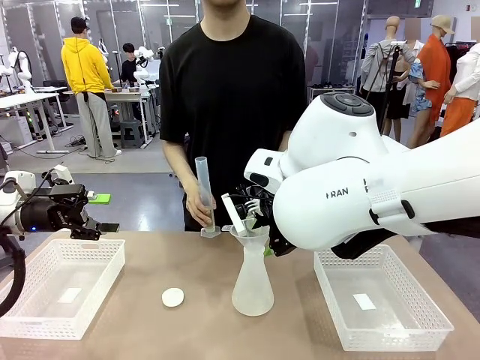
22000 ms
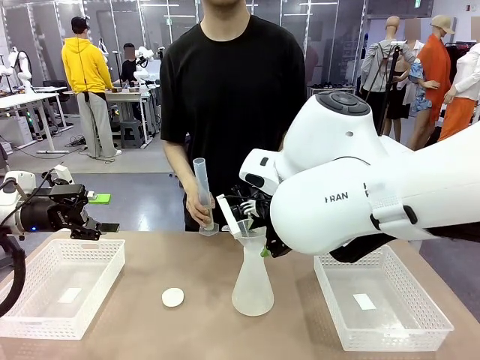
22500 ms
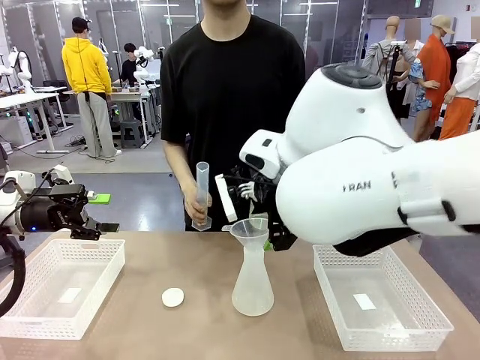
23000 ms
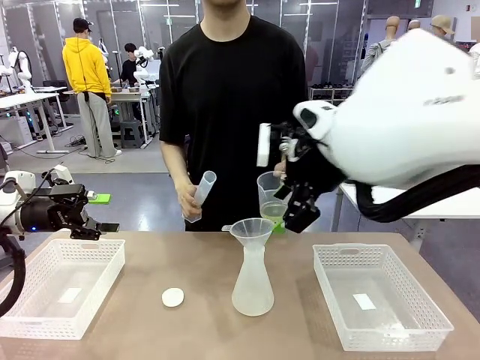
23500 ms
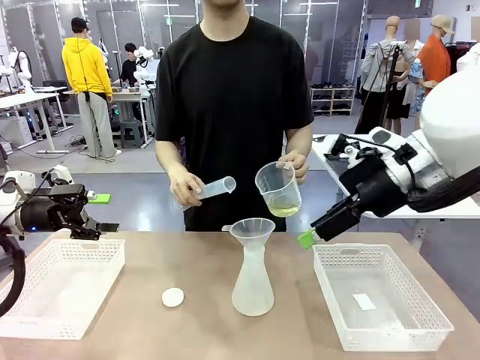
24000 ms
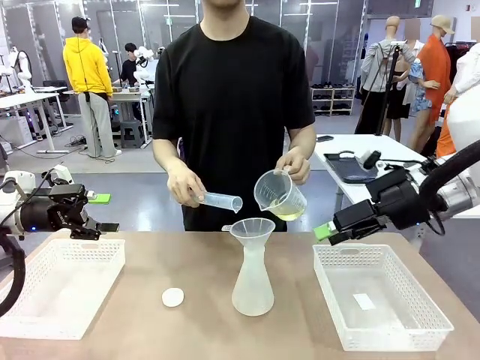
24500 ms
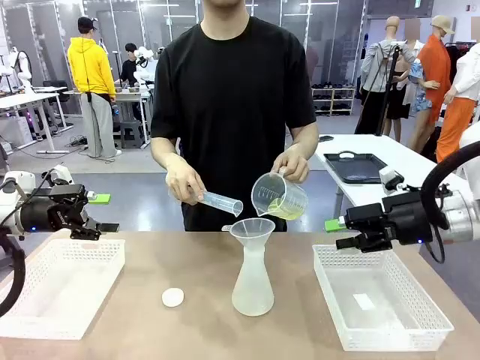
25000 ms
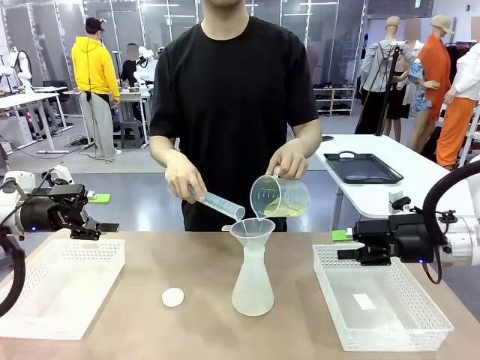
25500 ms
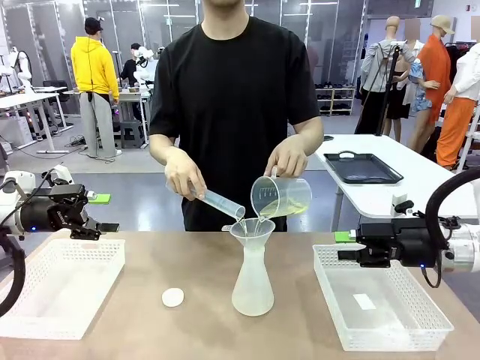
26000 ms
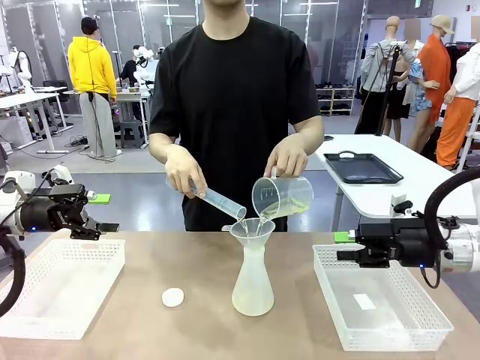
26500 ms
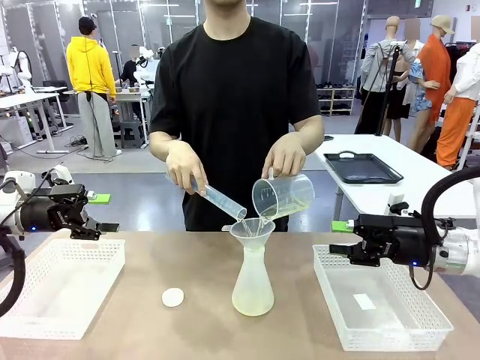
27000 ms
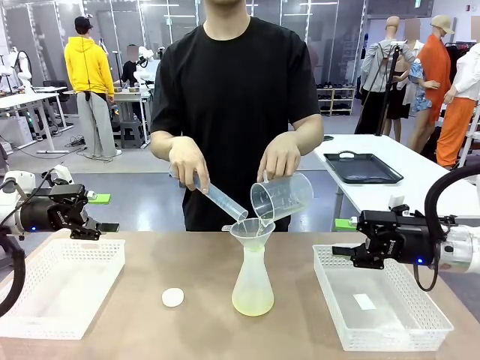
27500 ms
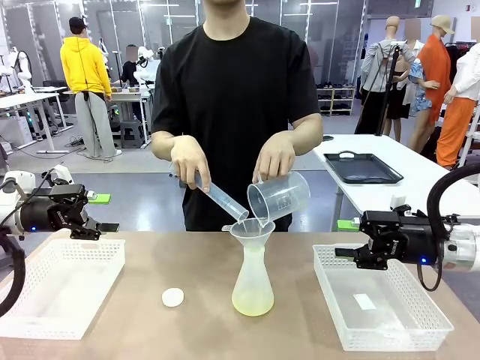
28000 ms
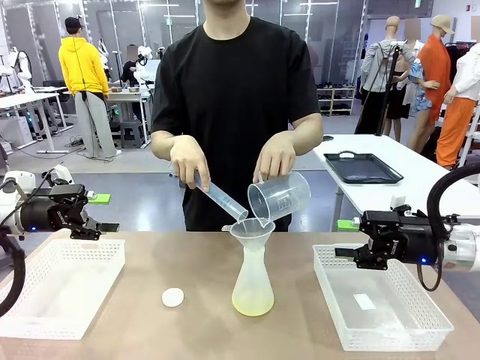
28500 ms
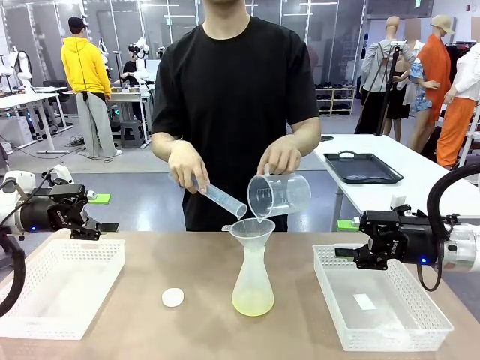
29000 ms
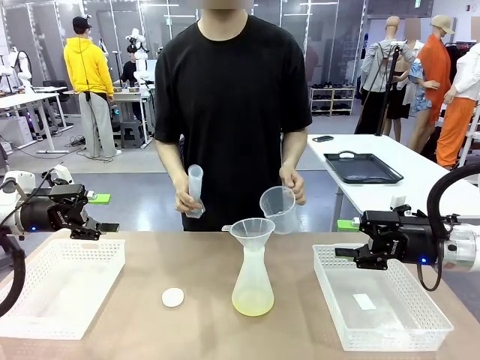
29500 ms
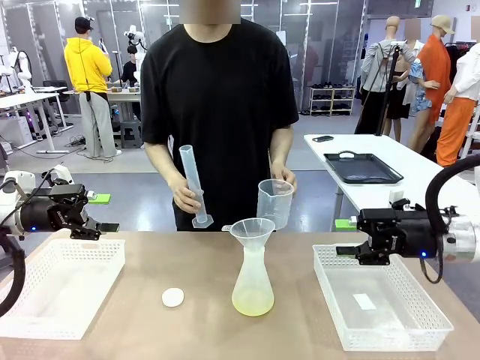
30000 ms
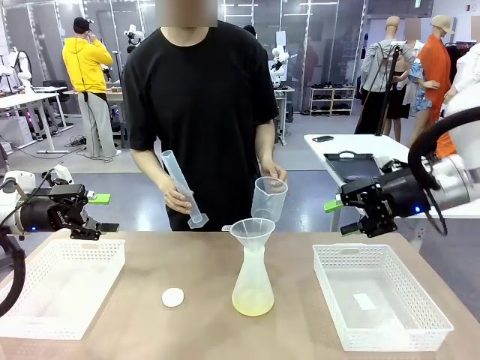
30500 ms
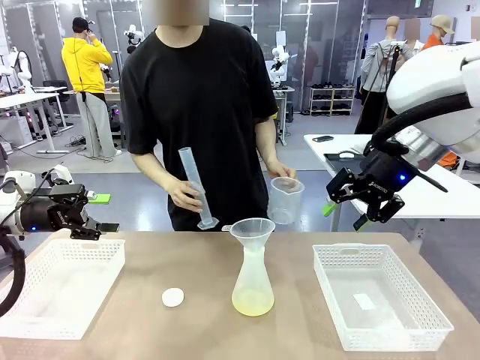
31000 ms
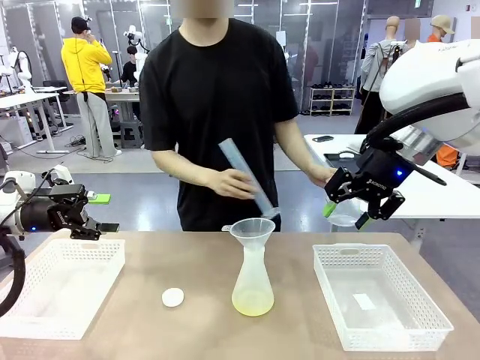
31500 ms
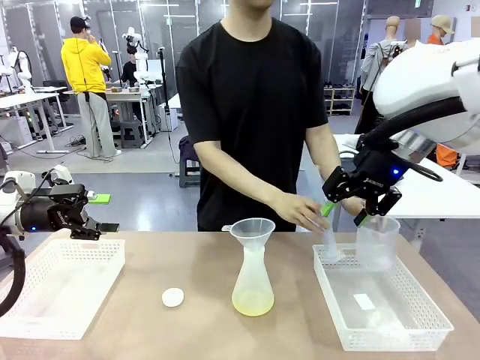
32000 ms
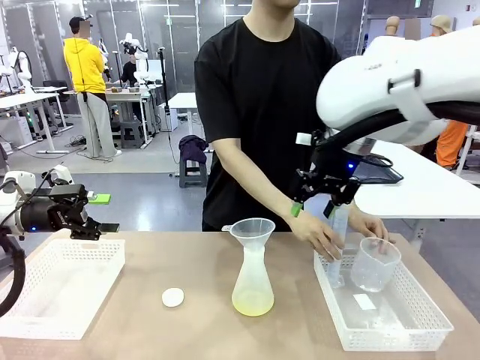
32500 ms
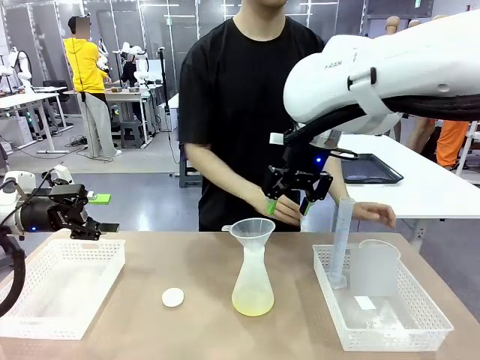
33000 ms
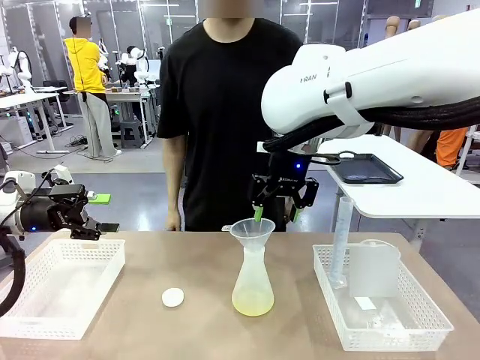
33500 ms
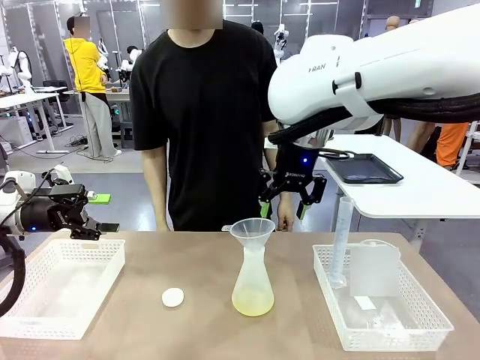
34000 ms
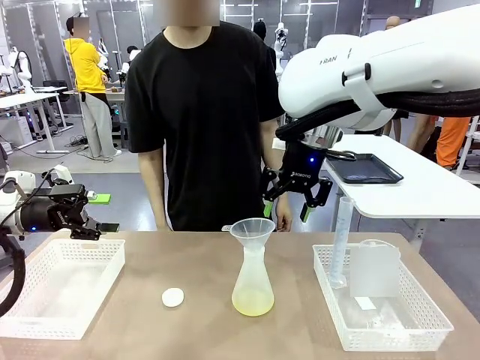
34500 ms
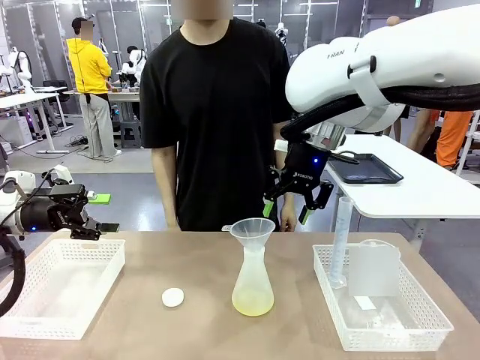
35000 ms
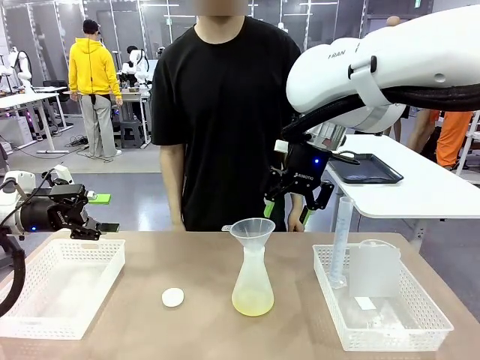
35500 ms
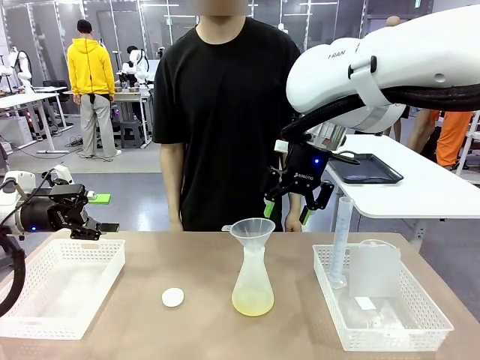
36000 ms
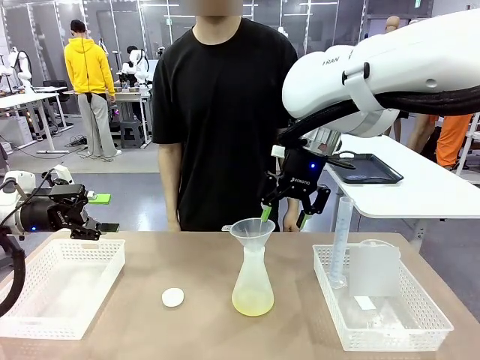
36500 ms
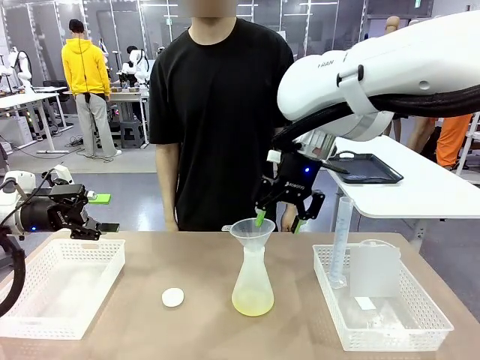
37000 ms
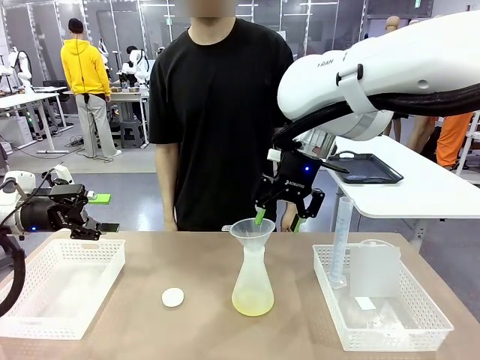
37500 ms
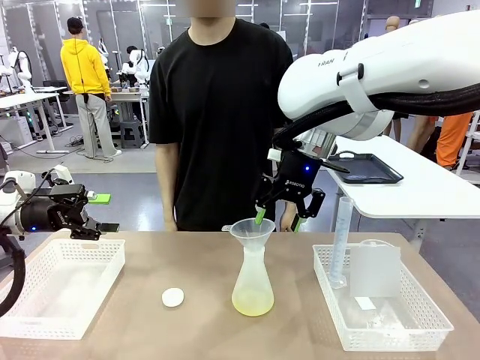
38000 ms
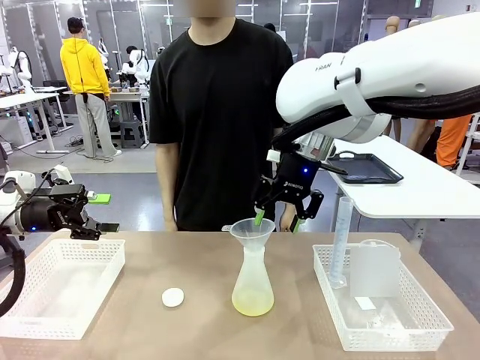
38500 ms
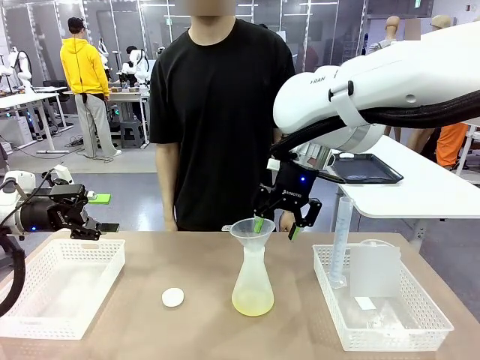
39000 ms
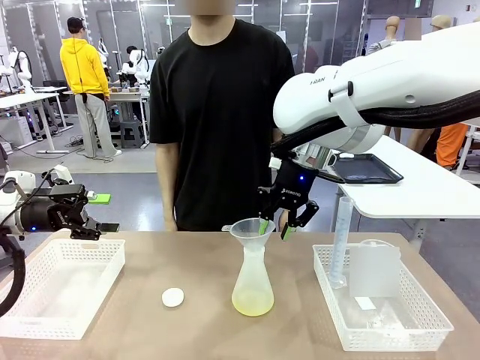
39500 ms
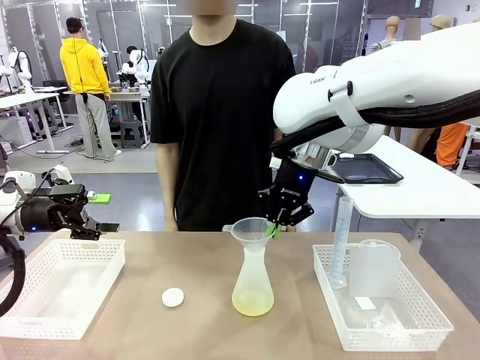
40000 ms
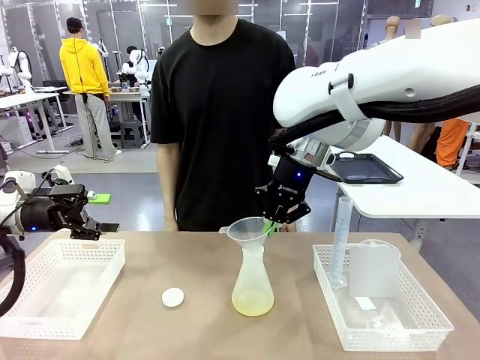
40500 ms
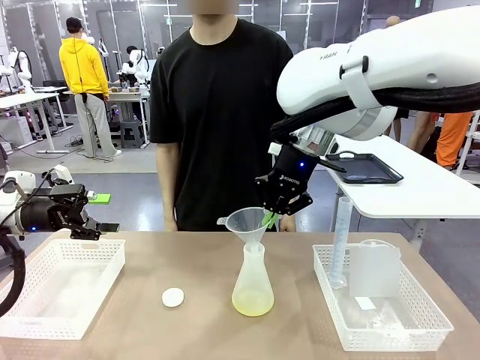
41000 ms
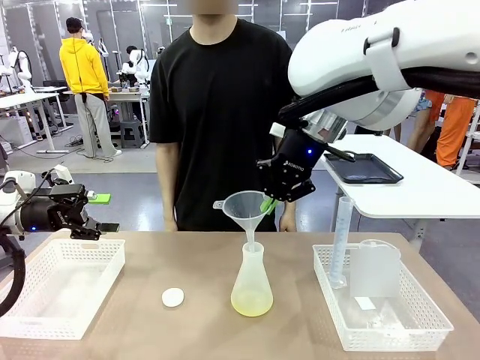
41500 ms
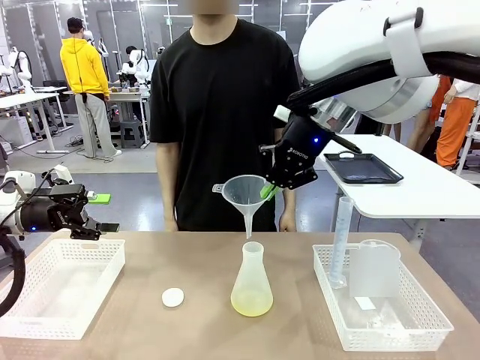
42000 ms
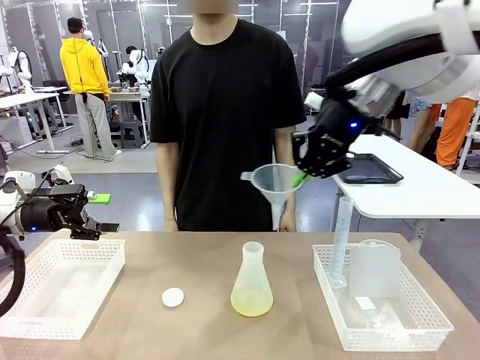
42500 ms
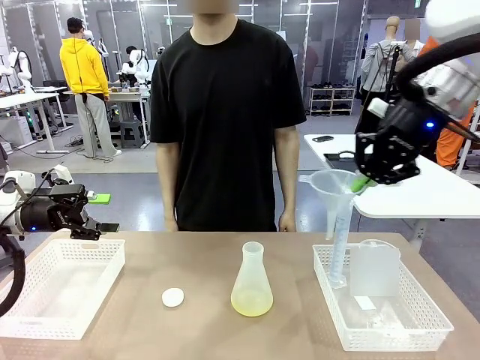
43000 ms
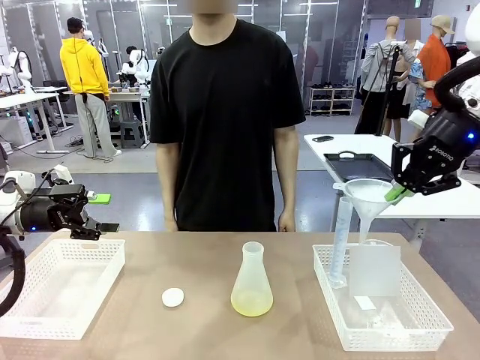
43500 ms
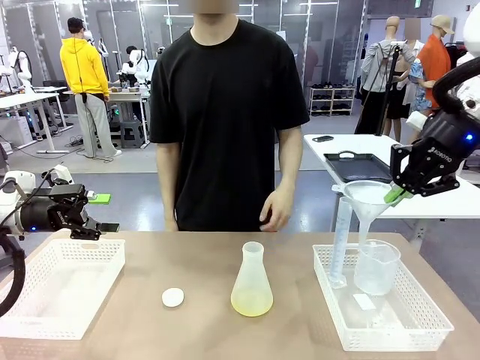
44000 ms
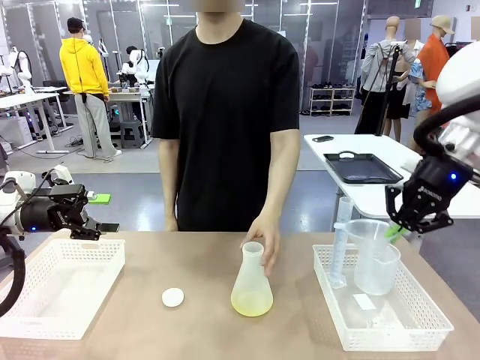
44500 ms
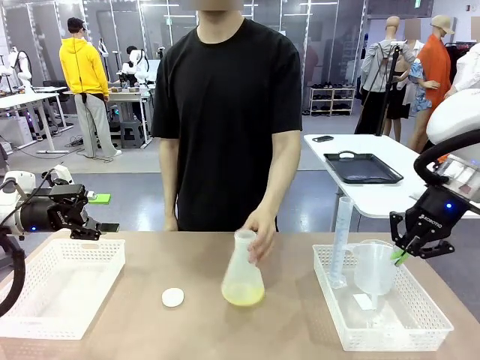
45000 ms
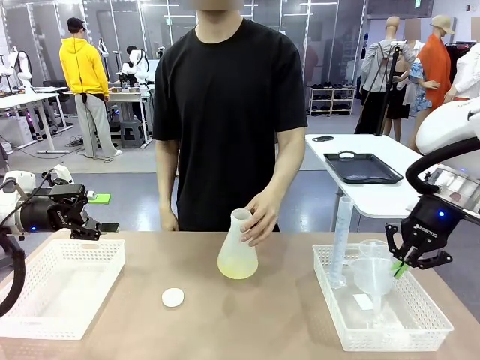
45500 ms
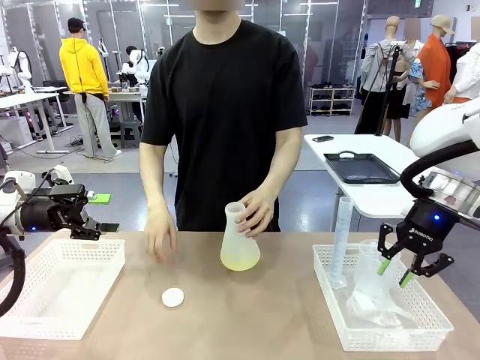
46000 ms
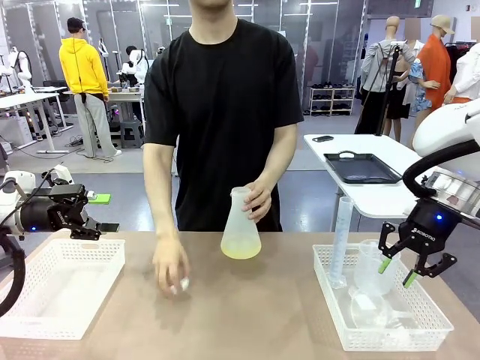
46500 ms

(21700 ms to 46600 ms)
Task: Prepare the solutions needed for the experiment.
Robot: Once the solution is in the Big flask , pick up the Plastic Funnel and place it back into the right Organizing basket.
Person: Place the beaker and the cylinder into the organizing basket on the left side. Pick up the flask, gently shake it 2–3 times, place it in the middle of the robot table, and close the lid.

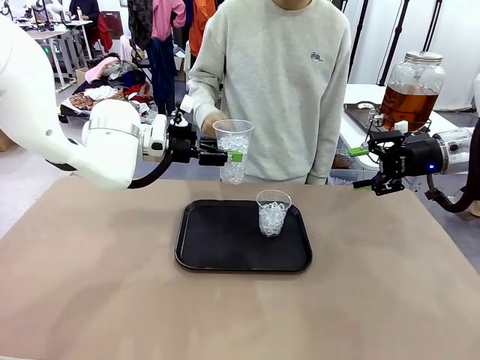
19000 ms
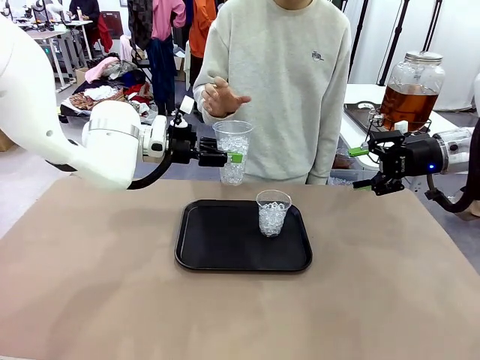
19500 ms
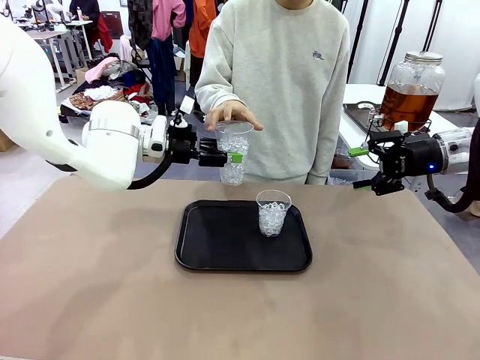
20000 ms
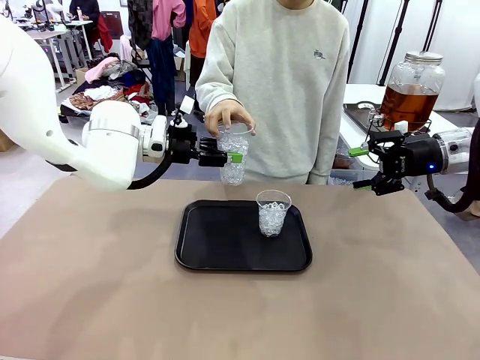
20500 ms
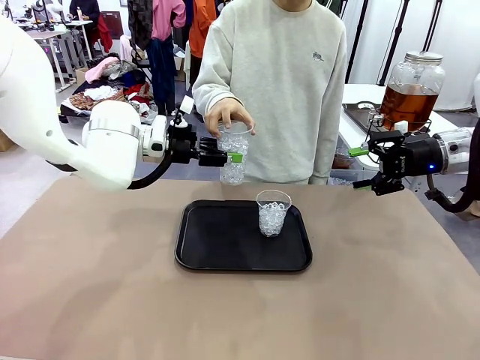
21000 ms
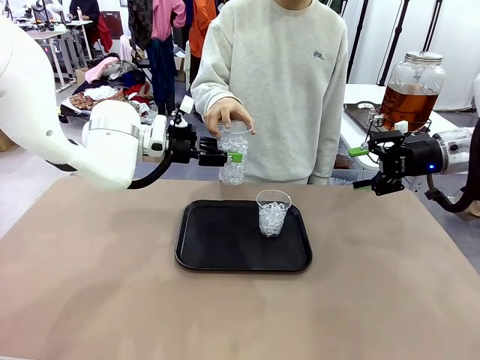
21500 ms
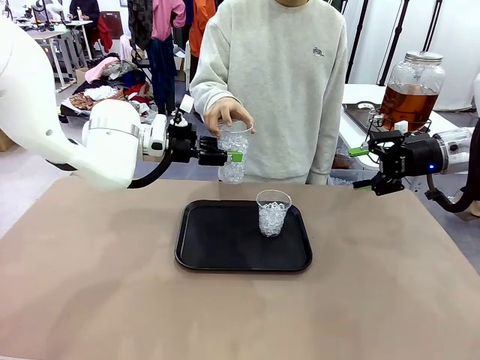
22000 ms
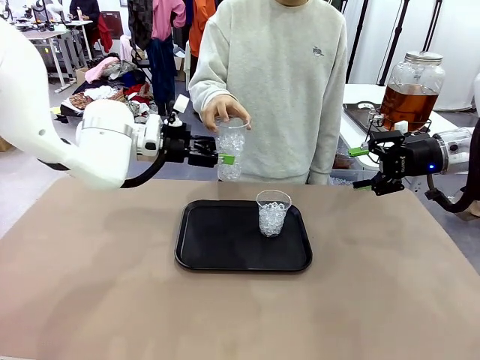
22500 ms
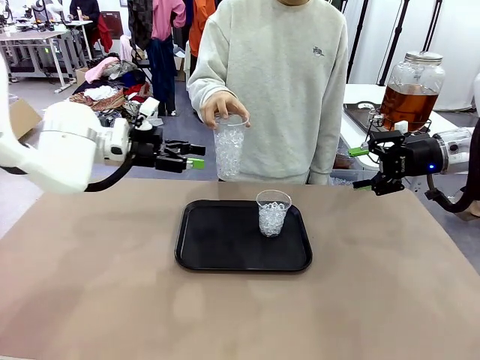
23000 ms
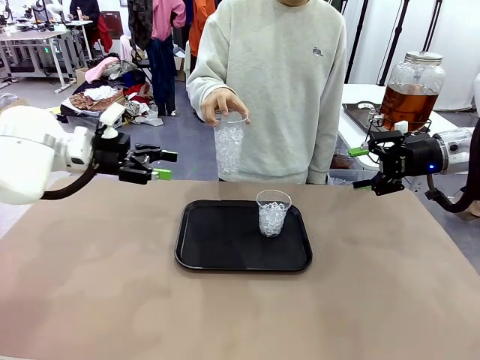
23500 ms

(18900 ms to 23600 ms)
Task: Pour the drink into the iced cup.
Robot: Open the gripper to release the iced cup you were holding.
